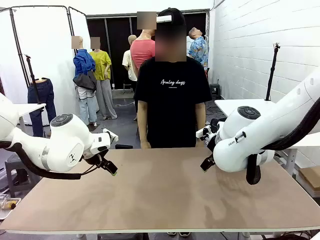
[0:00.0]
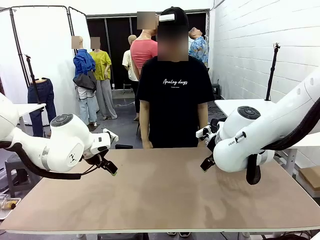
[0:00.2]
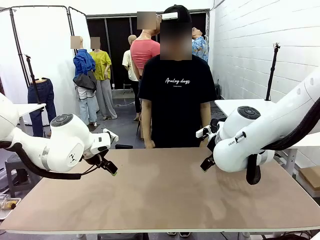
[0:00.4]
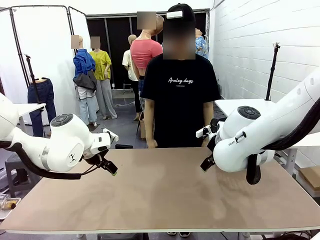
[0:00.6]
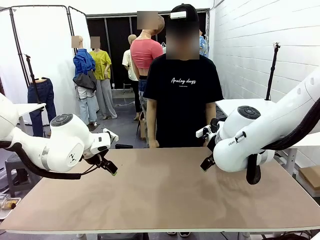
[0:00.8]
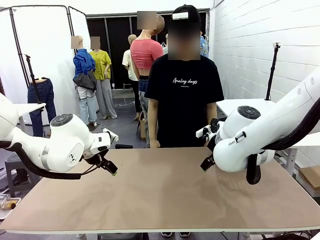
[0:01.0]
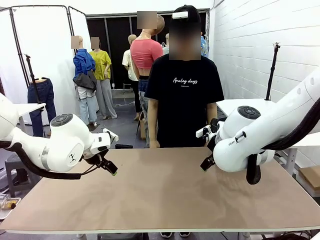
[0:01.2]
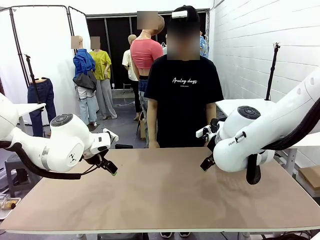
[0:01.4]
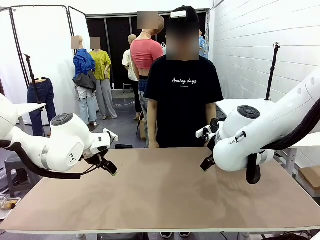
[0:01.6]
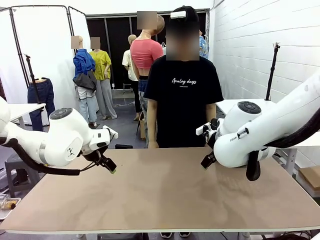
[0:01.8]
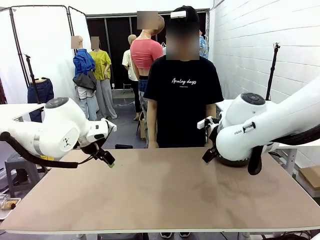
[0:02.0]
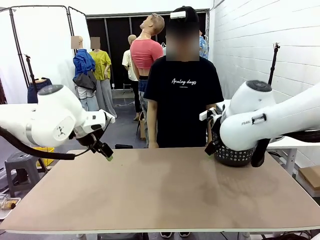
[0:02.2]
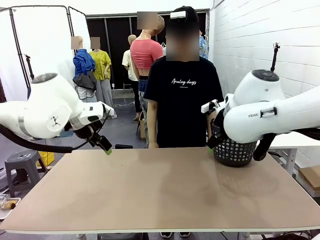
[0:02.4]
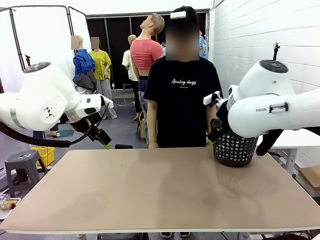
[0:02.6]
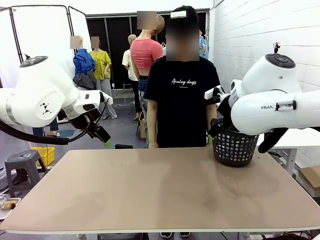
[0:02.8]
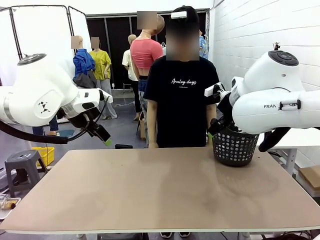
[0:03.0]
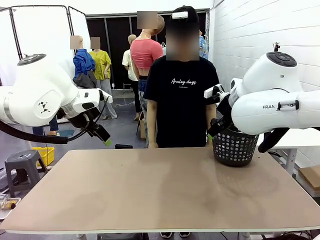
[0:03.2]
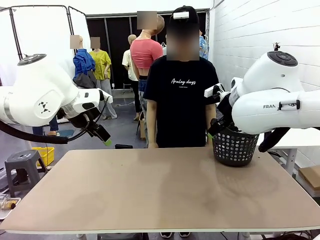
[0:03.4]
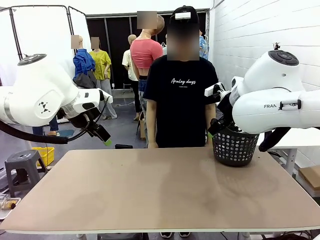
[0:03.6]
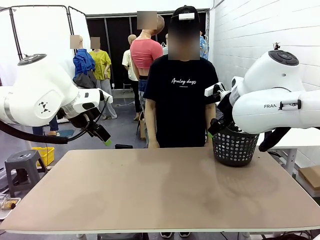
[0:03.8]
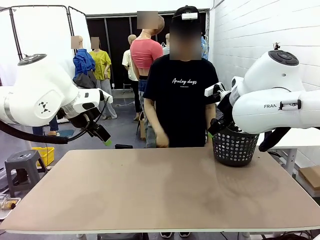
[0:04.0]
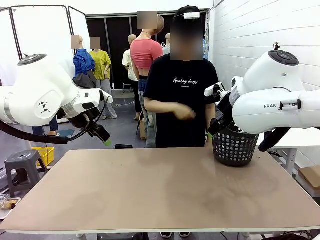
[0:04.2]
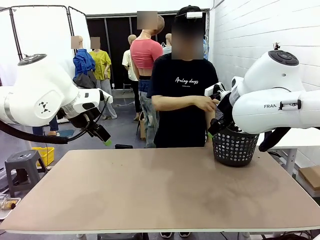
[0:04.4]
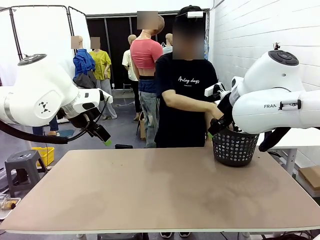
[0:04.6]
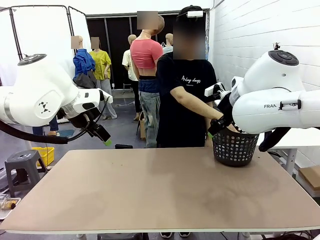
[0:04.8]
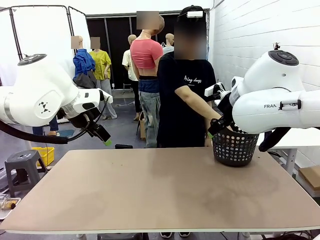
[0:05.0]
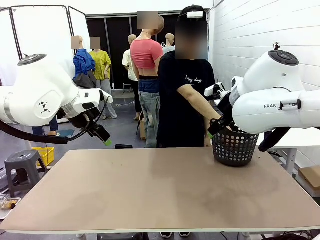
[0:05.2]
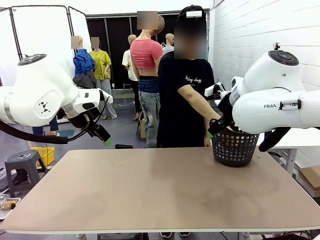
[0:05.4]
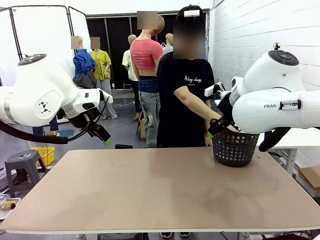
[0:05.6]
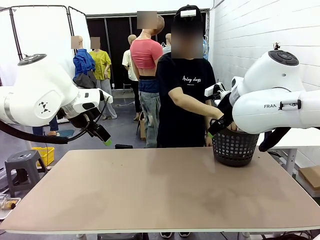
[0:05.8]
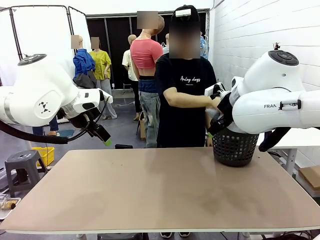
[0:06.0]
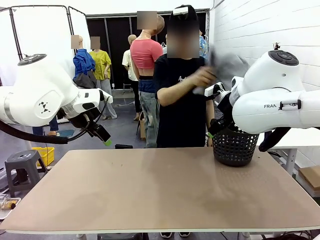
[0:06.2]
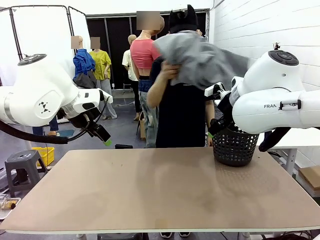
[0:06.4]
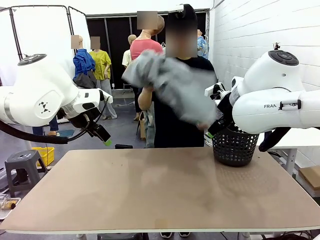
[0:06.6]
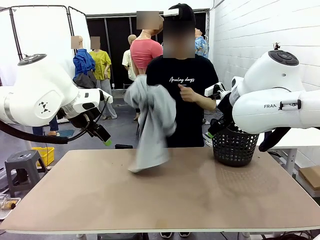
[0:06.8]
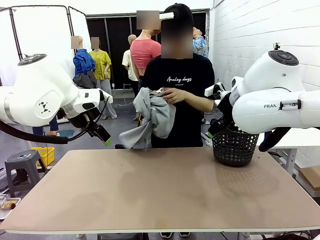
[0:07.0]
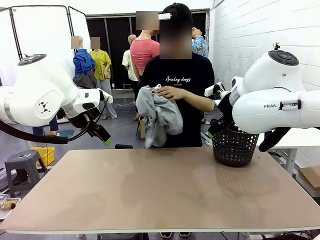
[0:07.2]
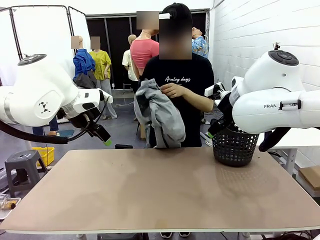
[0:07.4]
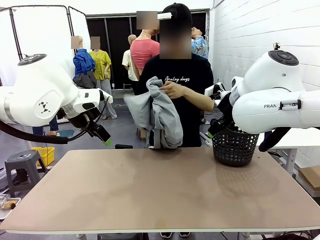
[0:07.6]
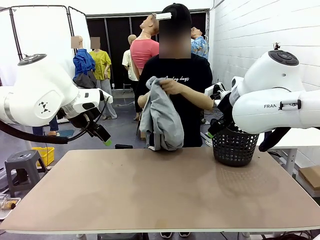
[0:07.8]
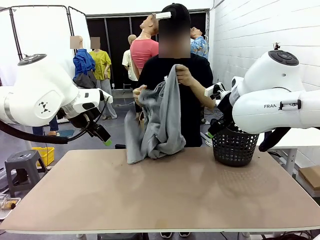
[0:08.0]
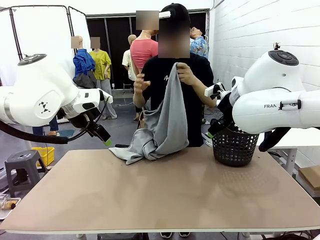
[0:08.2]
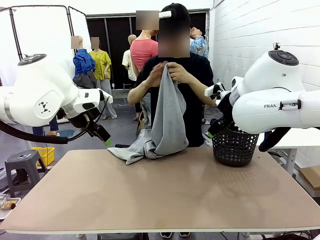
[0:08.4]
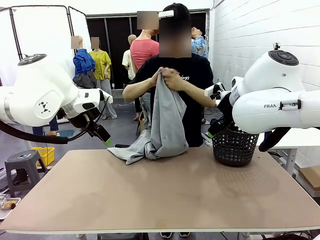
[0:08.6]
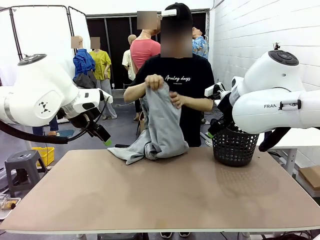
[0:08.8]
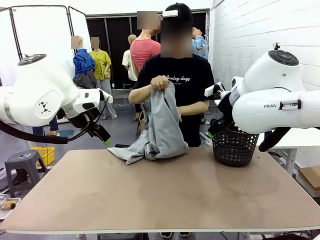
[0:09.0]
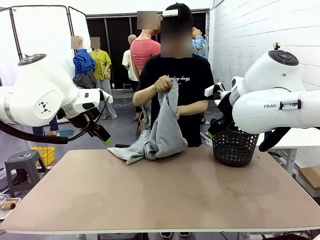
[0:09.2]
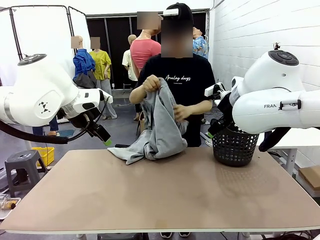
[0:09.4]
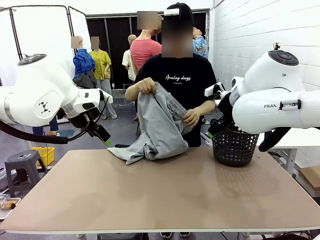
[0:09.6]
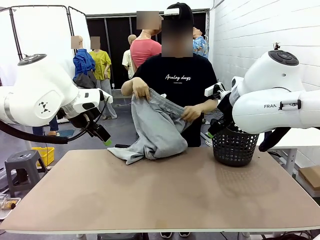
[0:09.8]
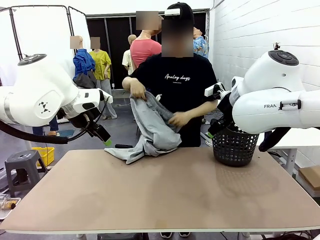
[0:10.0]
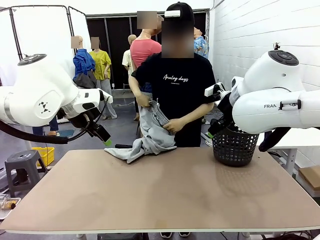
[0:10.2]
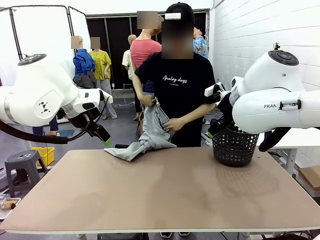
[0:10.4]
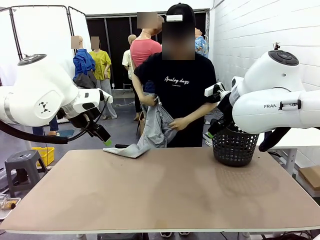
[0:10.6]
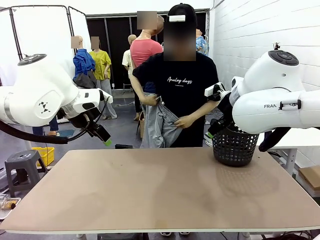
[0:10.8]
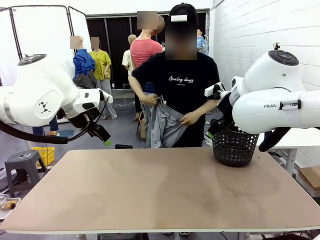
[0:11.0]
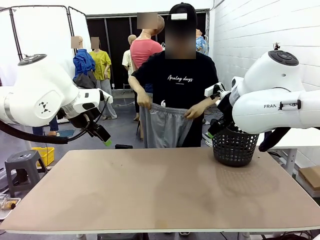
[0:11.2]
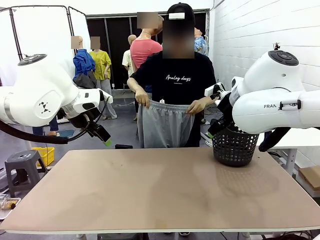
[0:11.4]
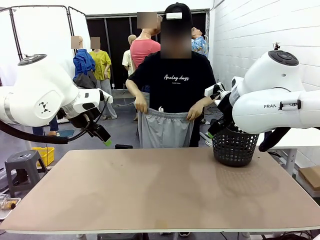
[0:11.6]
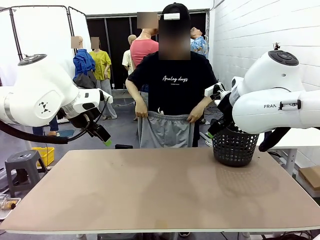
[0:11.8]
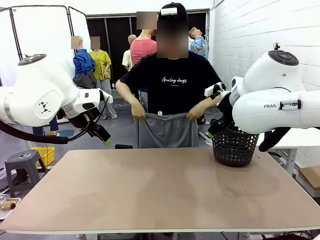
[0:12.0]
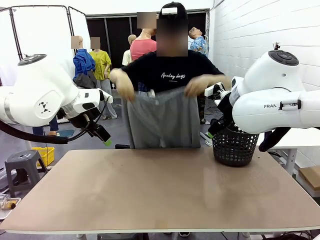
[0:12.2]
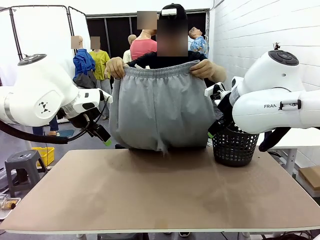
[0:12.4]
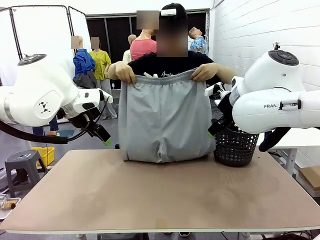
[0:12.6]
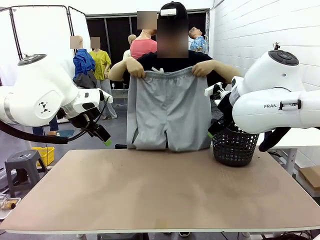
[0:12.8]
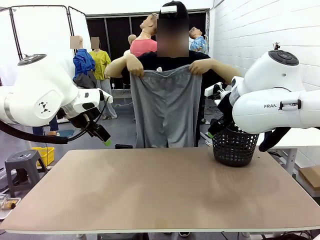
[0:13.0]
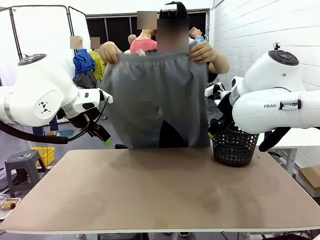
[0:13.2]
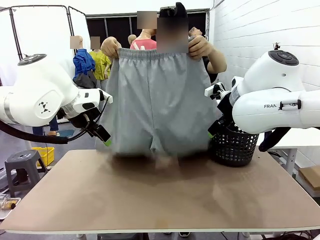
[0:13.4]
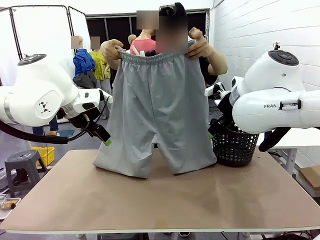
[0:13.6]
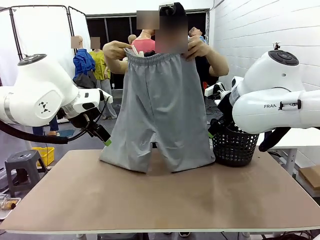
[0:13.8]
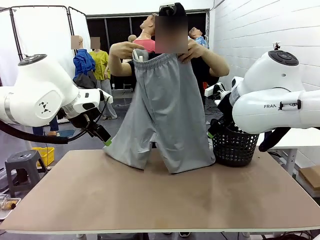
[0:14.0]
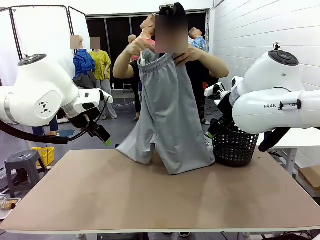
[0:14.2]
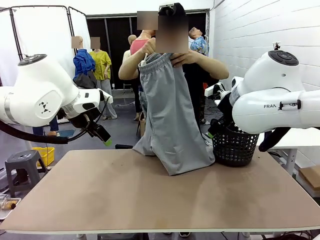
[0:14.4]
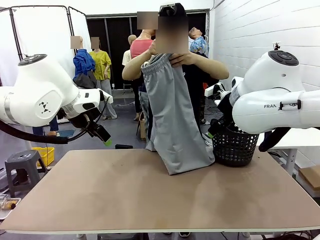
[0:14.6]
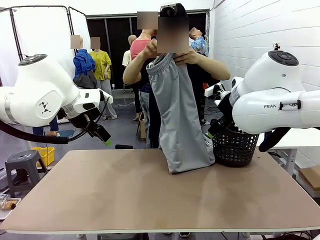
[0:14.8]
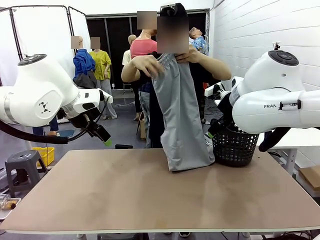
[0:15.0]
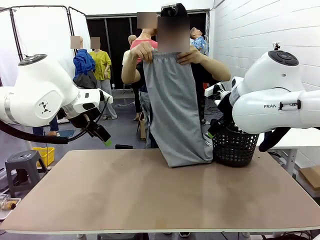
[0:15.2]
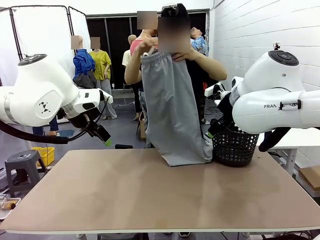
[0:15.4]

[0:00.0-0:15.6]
Task: Fold the training pants.
Robot: Grab both ends of the Training pants handed by a person.
Person: Take the long pants out of the laundry basket, unfold them, fold the waist in half, and extend them so the robot can pick up both corners.
